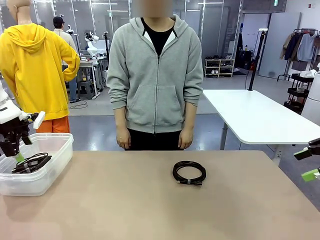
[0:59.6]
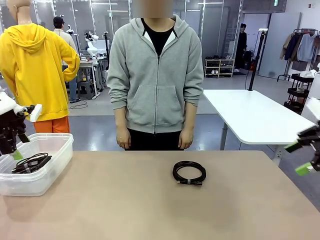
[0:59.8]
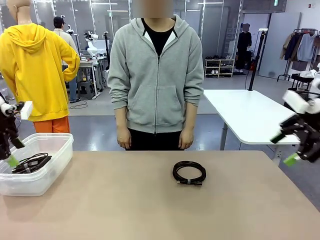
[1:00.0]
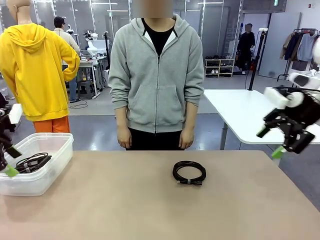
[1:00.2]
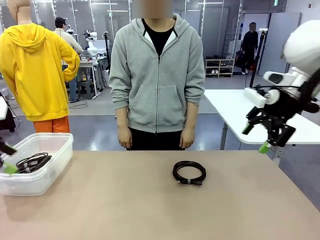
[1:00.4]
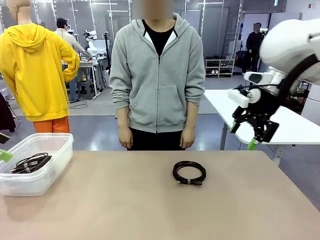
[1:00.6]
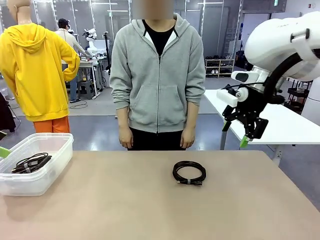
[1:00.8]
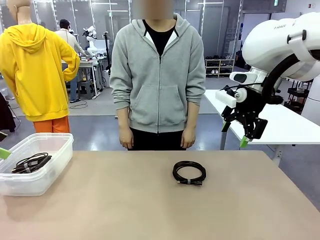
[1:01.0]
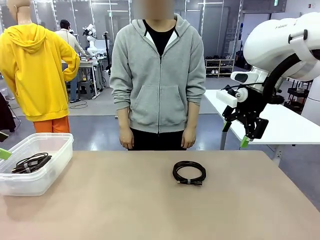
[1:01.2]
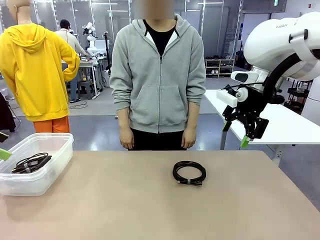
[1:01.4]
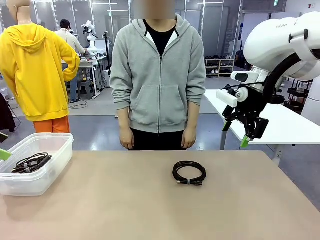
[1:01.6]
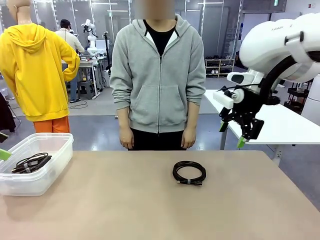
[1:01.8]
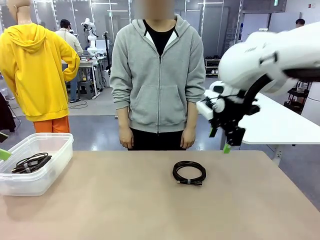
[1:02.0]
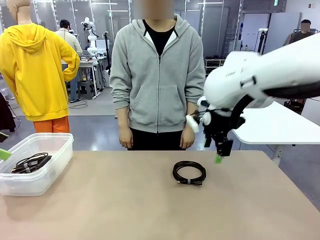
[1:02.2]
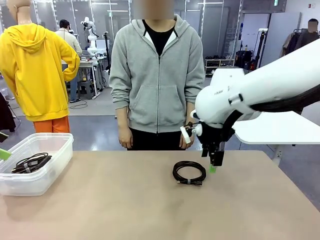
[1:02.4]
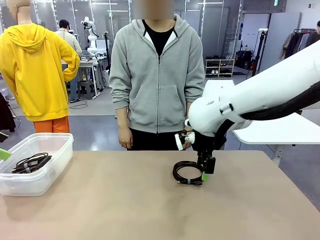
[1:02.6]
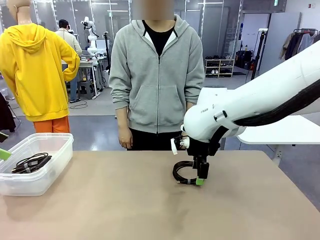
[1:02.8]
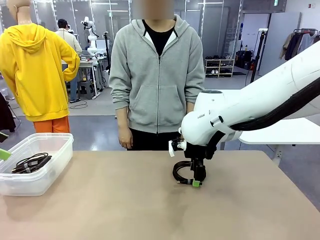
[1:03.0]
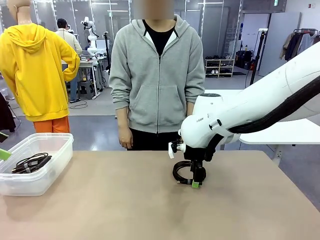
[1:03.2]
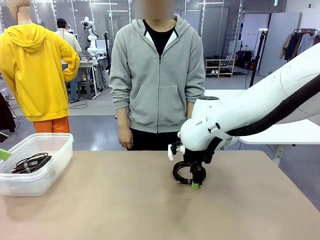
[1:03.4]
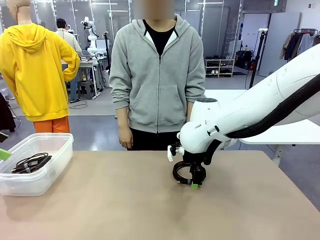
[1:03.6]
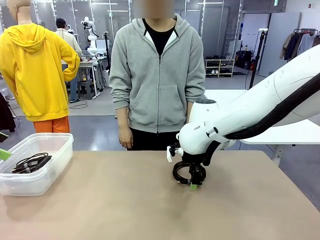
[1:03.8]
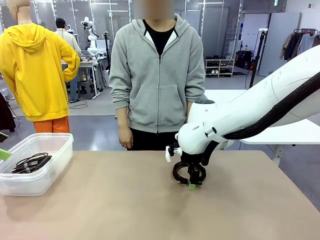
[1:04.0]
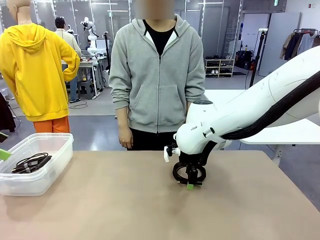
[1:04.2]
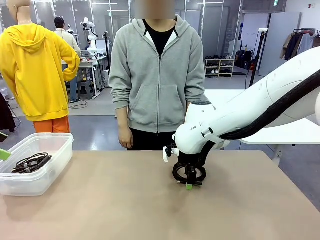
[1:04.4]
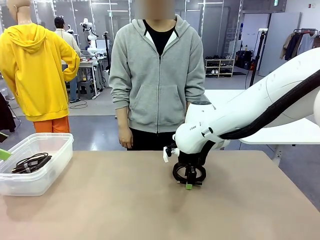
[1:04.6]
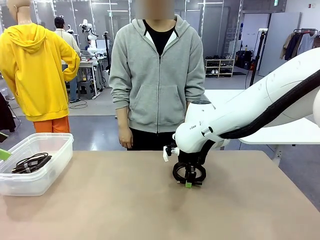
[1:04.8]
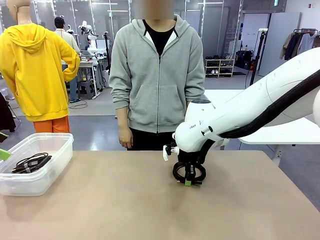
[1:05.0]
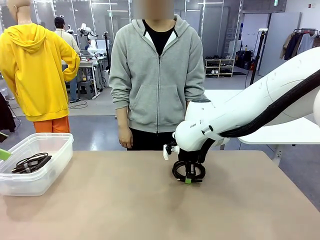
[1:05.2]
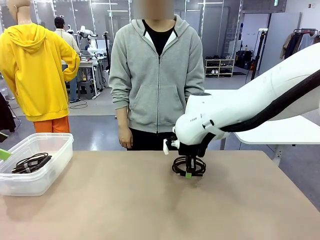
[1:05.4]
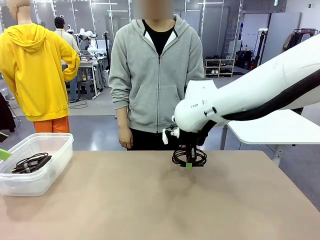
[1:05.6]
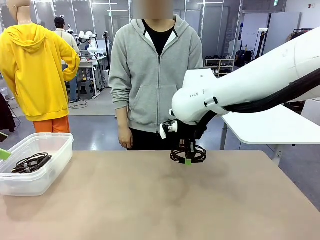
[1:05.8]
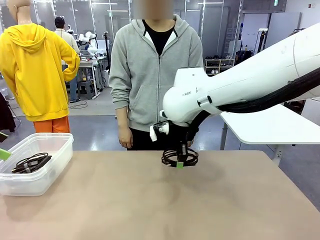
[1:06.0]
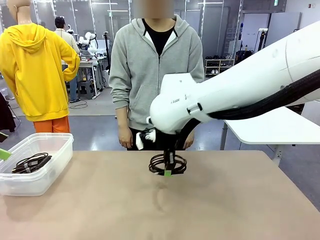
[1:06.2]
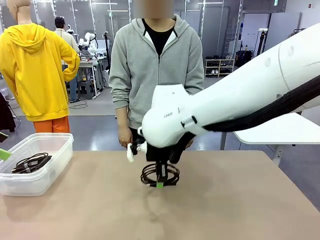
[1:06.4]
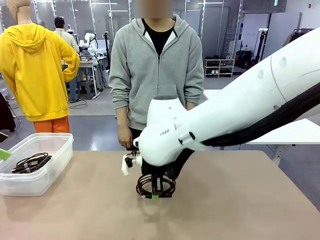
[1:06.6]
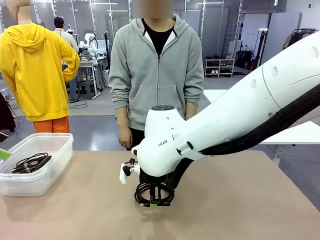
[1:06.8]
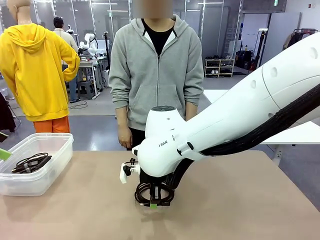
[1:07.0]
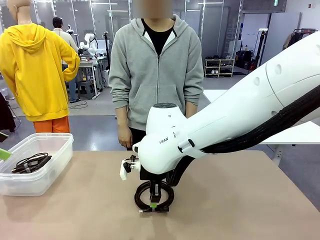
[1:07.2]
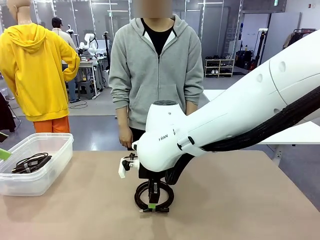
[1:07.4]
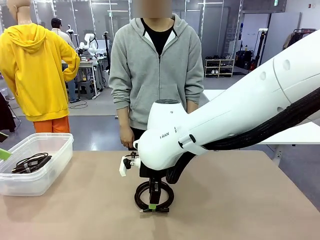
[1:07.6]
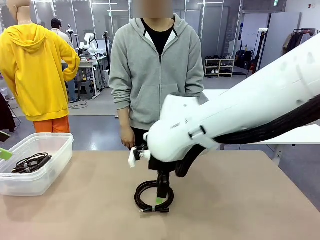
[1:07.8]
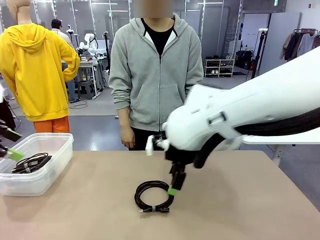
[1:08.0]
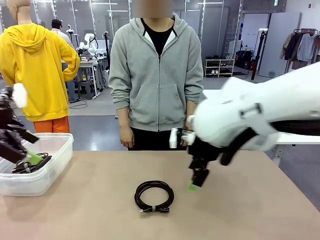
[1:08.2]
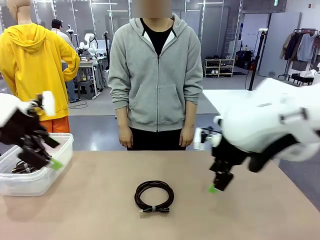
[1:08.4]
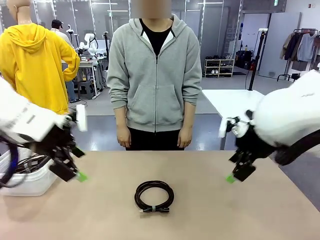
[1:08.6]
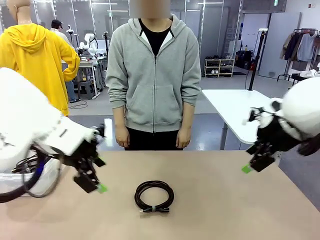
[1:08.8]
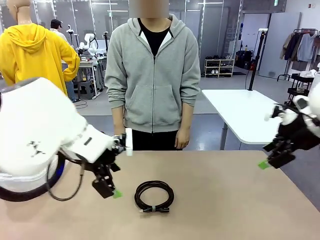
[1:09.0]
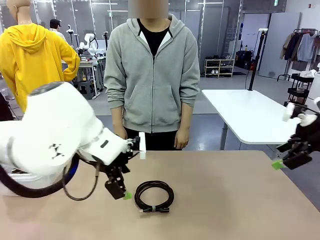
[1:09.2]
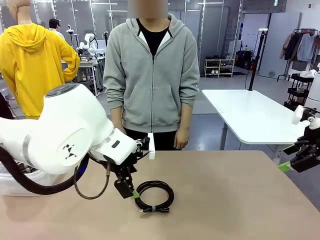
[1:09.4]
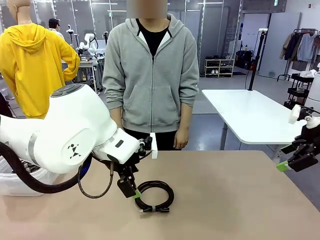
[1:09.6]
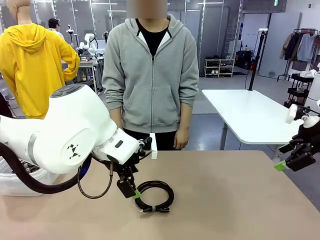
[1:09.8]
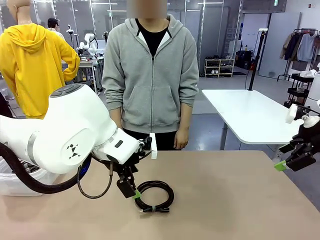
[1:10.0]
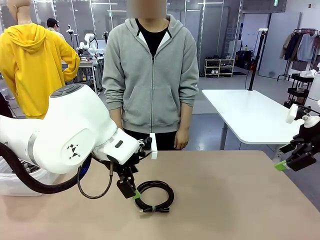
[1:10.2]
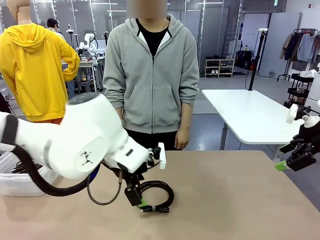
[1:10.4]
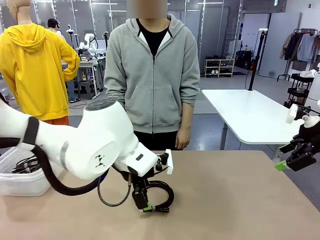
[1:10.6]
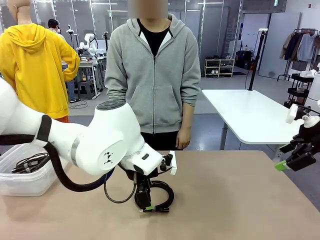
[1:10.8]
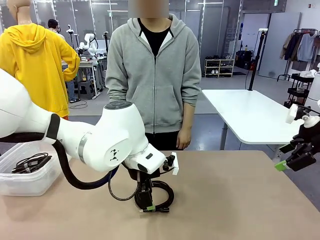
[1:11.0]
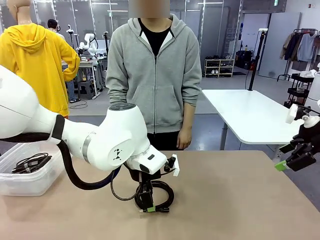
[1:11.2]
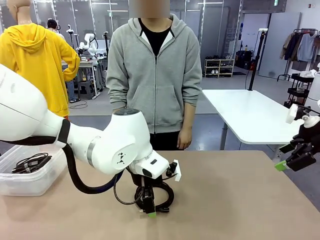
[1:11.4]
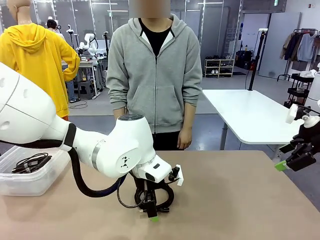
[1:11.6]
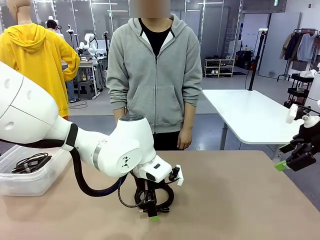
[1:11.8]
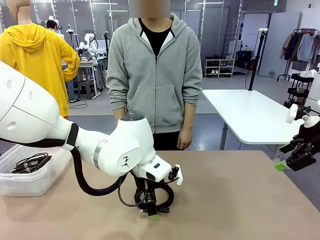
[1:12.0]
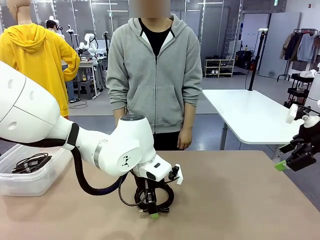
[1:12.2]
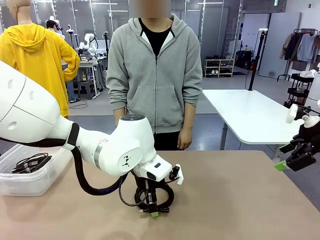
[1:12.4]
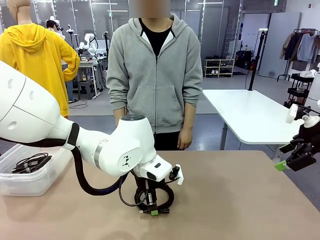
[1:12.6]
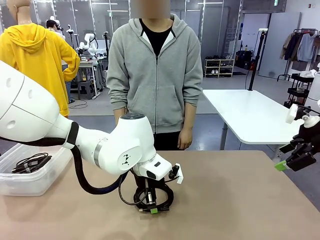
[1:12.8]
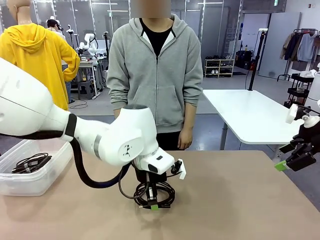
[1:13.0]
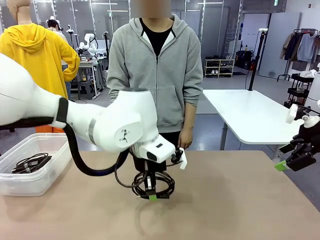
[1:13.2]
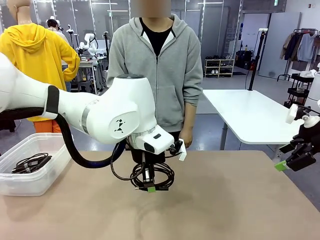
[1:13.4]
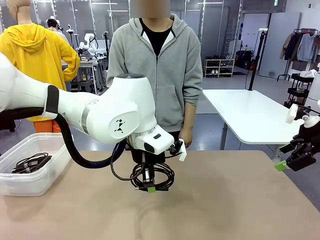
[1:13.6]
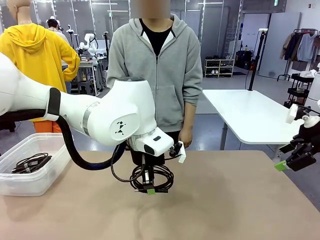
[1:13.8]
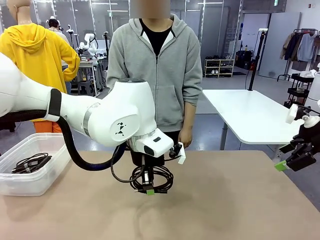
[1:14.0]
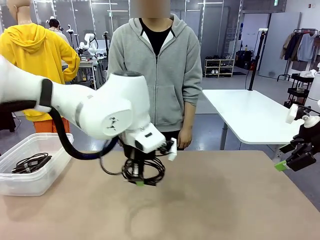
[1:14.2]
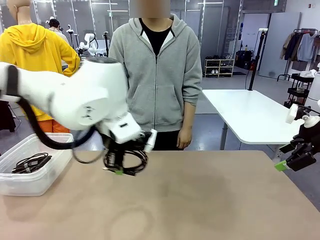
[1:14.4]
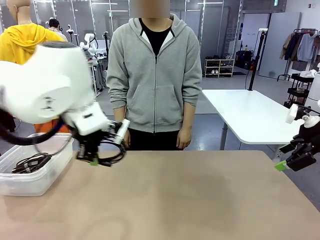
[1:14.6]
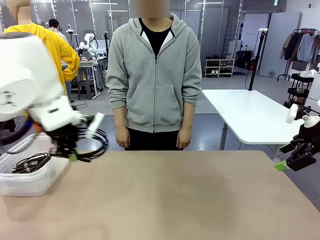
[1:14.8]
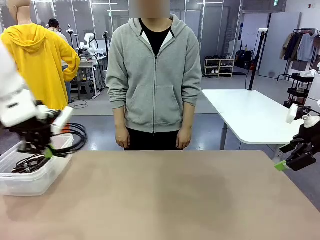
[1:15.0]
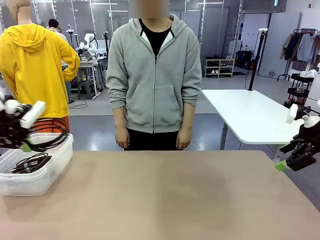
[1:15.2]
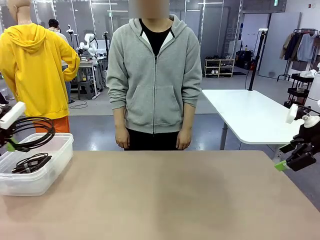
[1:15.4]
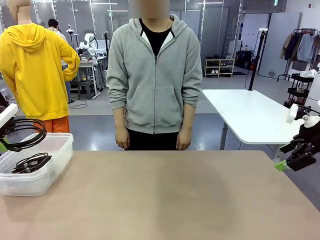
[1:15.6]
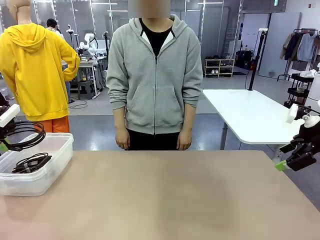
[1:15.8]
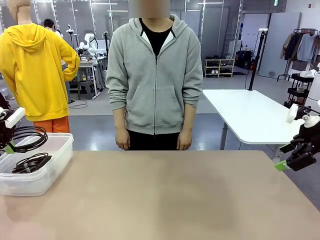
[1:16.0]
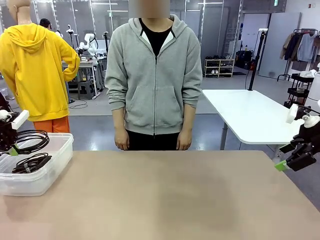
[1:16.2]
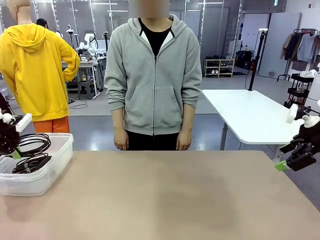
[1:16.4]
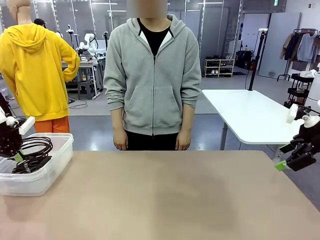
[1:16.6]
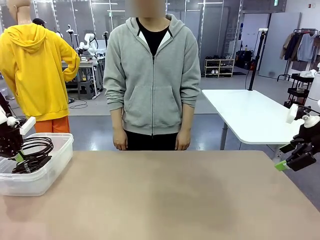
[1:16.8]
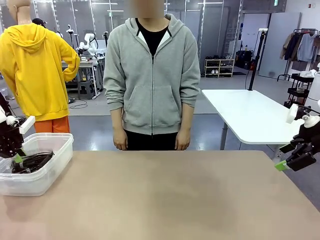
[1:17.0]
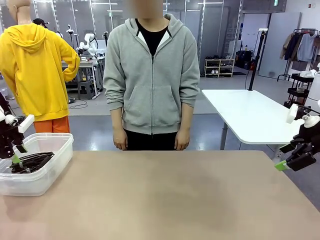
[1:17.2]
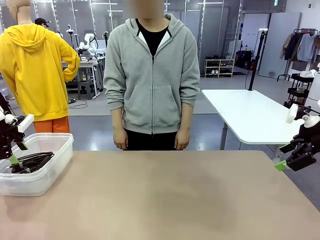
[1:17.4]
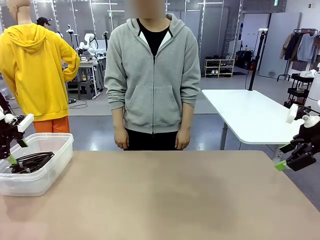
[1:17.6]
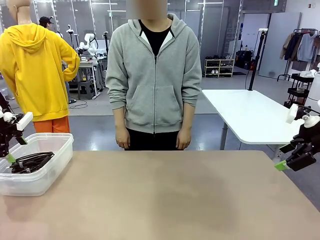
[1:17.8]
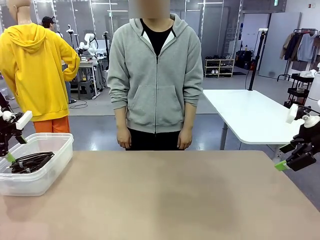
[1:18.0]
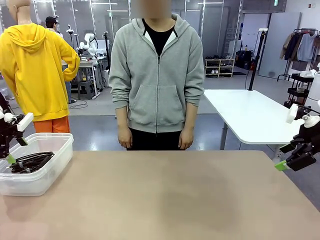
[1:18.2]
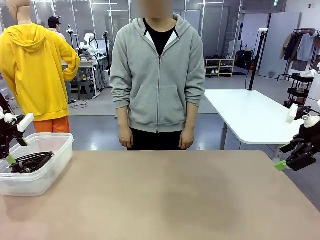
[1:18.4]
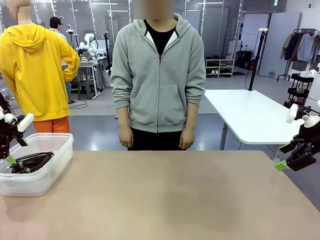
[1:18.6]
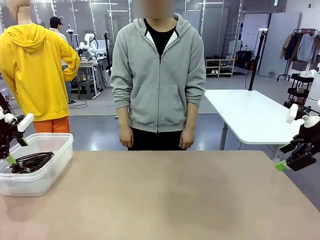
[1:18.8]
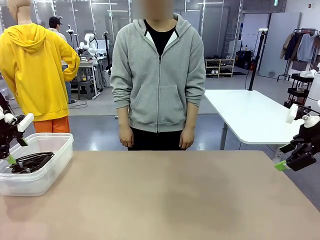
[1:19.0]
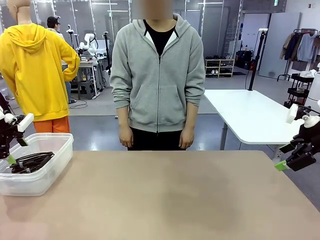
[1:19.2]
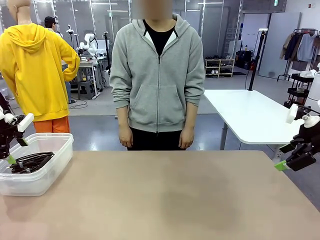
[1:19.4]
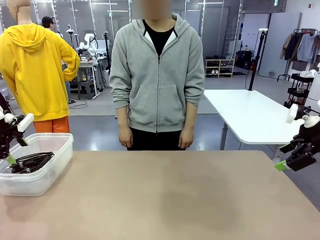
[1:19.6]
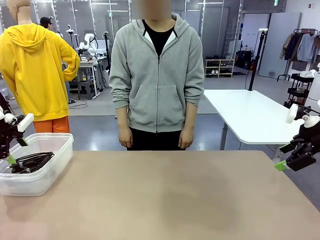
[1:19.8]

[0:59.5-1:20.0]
Task: Organize and store the cables.
Robot: Place the USB Extension Cable into the Organizing box.
